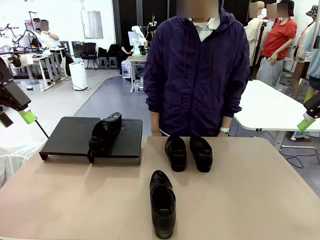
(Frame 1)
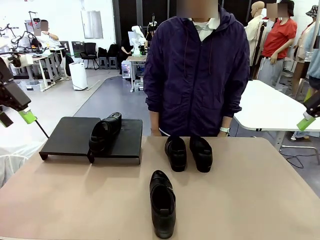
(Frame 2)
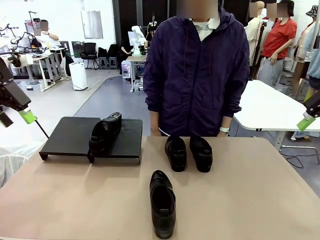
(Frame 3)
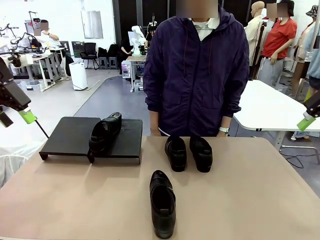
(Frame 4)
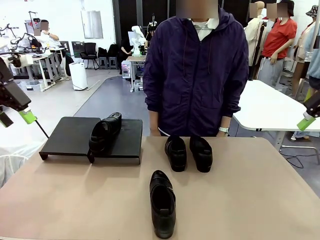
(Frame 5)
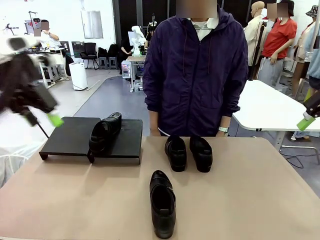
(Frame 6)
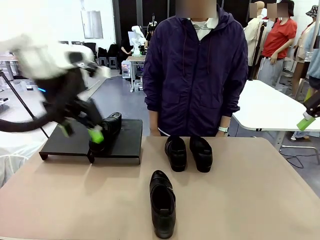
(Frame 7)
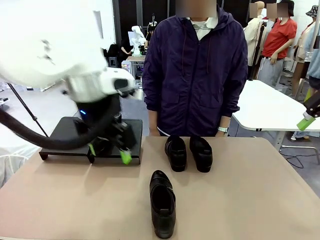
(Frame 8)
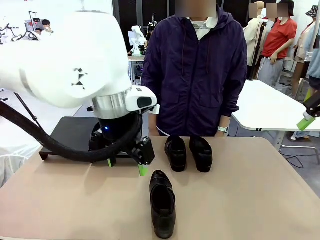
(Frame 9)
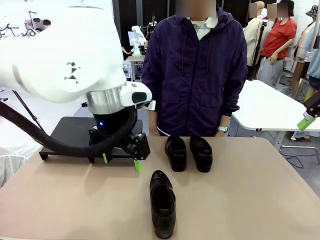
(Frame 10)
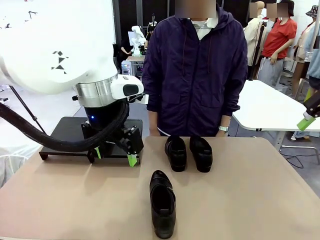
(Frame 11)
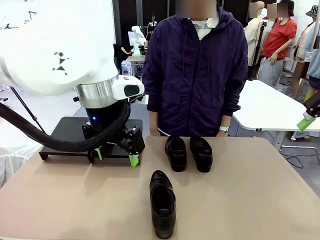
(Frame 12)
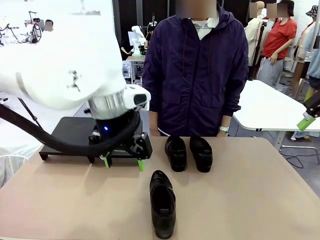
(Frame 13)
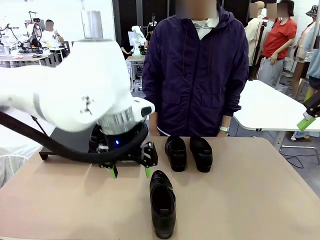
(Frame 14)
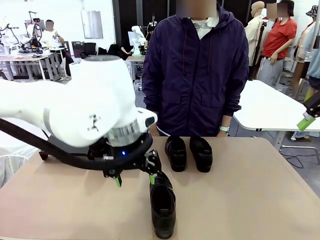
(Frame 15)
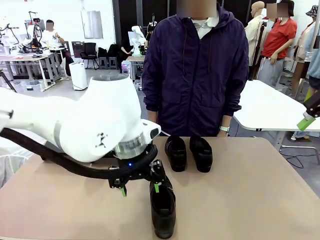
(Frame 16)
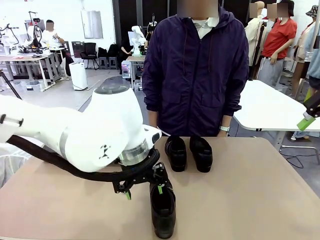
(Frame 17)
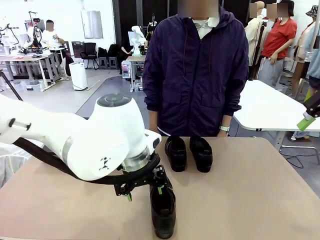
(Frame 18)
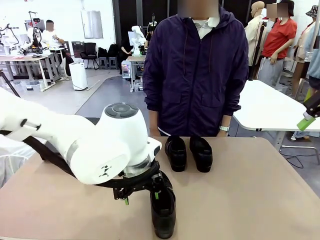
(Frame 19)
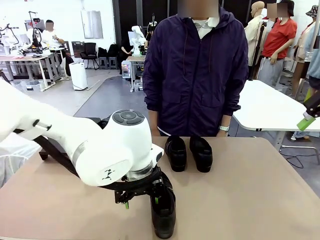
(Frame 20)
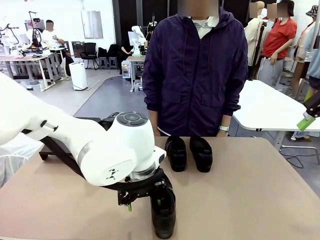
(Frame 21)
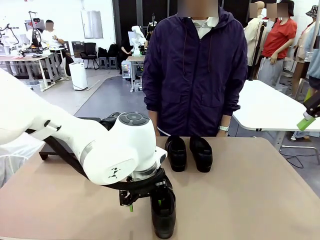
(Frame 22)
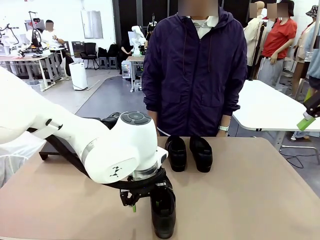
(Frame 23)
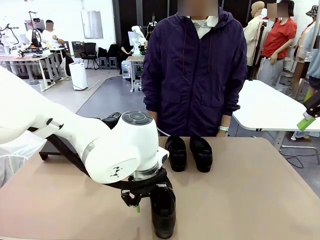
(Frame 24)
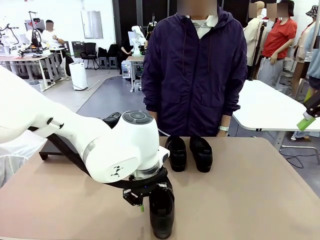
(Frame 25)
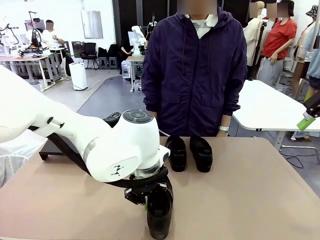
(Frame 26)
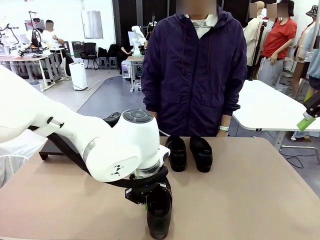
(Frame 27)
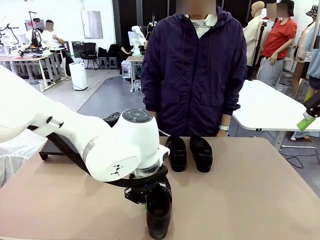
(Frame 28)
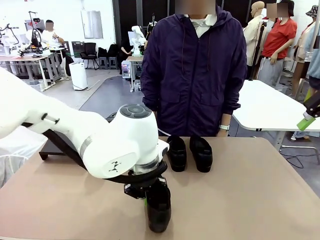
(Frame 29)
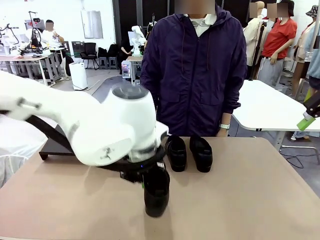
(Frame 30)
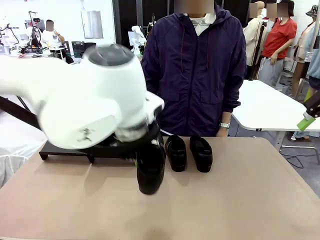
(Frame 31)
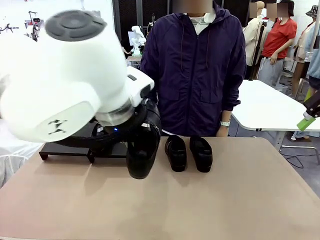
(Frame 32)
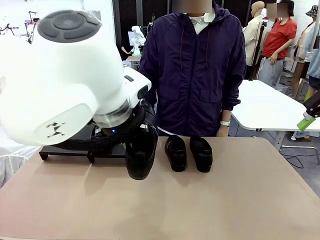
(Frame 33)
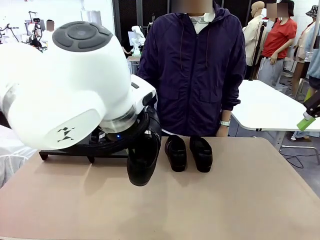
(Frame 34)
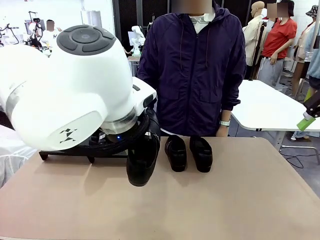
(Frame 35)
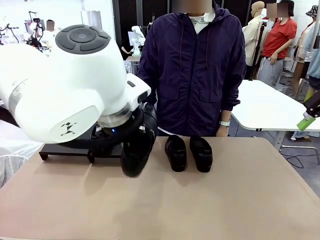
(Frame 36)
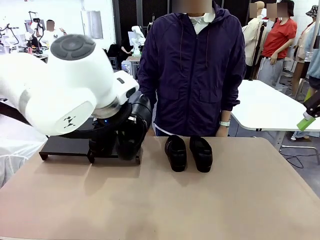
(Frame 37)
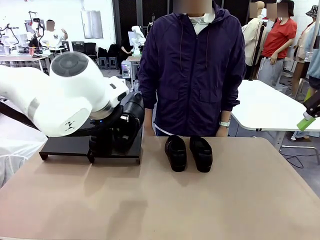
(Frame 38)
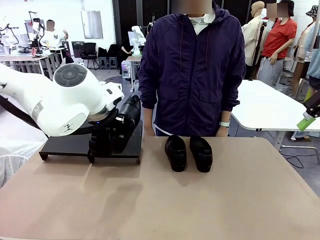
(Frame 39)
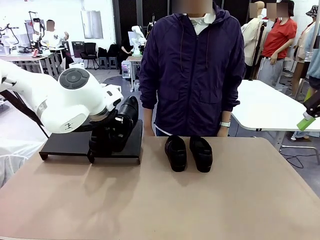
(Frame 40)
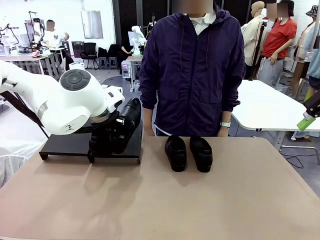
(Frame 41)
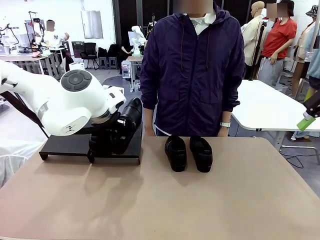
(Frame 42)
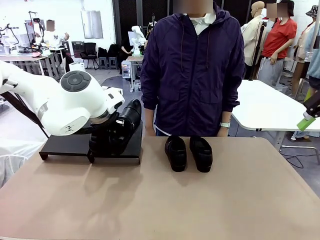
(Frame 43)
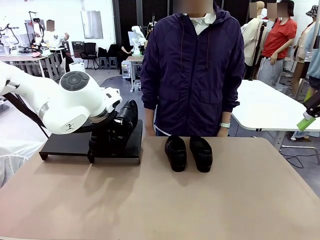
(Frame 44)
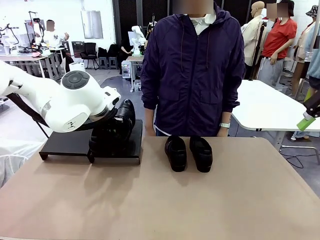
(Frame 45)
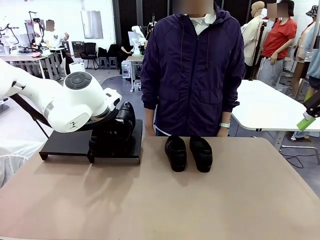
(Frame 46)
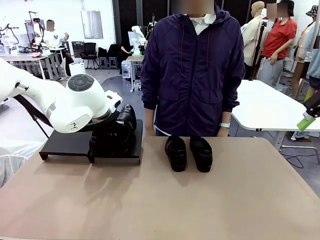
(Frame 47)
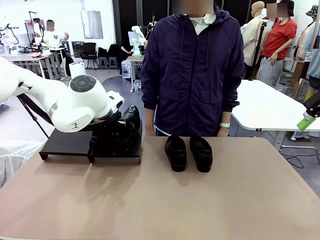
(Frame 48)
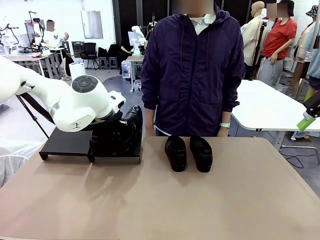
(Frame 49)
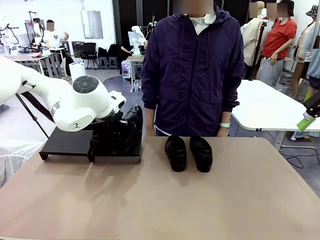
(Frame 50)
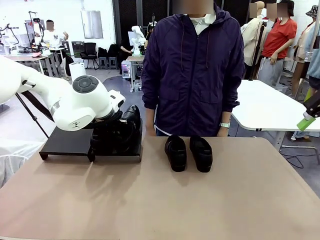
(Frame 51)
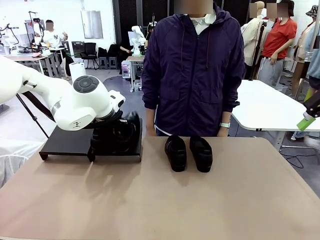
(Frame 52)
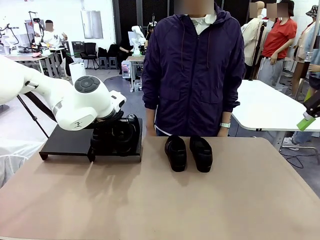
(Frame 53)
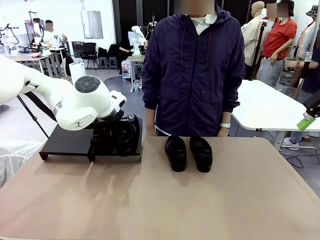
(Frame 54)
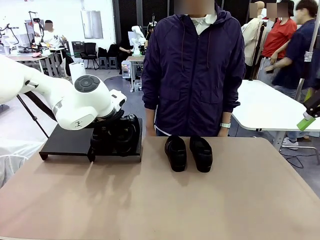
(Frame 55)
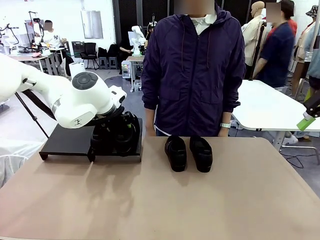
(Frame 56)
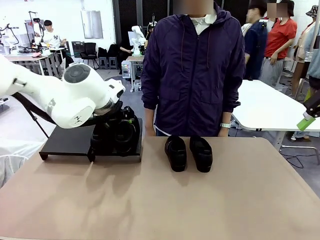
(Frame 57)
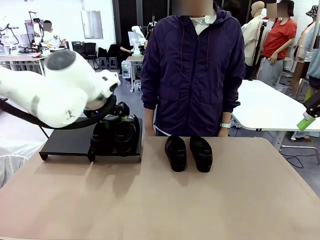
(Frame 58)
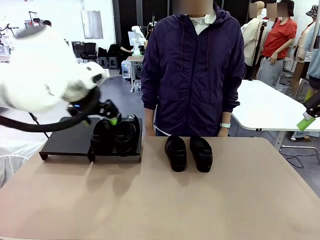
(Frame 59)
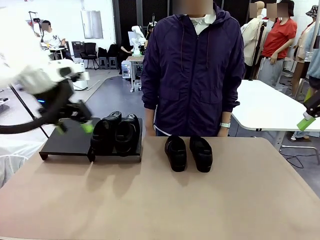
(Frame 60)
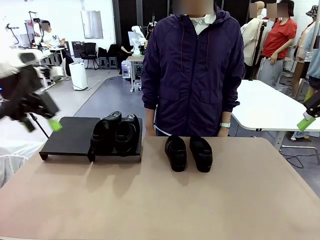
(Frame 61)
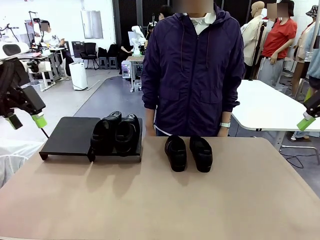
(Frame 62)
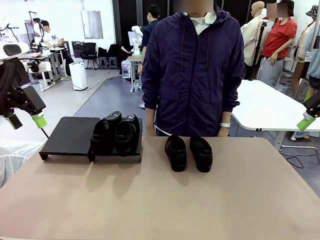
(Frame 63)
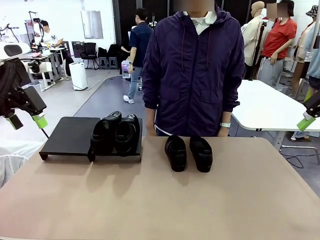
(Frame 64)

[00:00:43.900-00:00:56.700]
Task: Organize the shoes by placing them on the stand.
Robot: Place the Shoe from the middle of the table onto the Shoes Stand.
